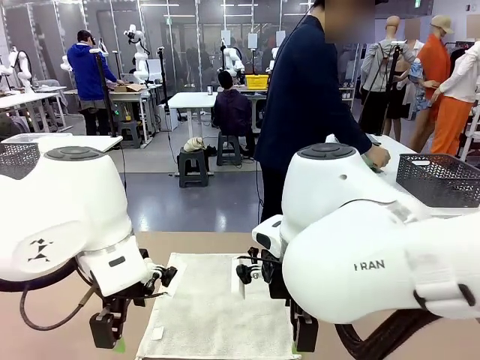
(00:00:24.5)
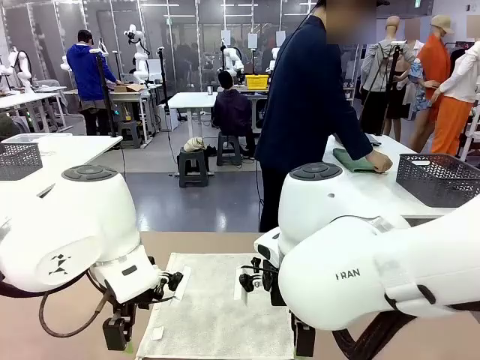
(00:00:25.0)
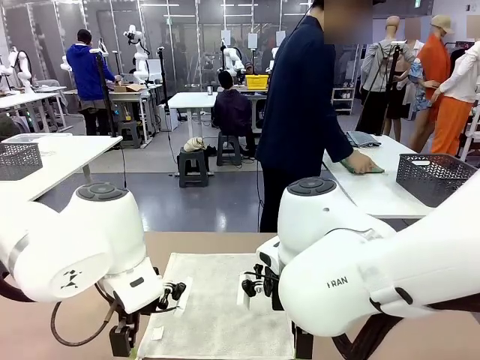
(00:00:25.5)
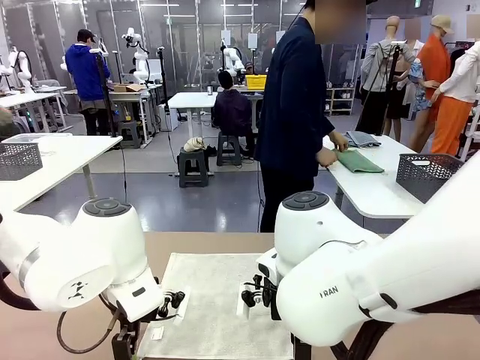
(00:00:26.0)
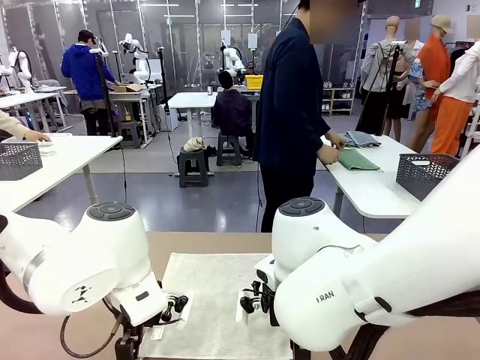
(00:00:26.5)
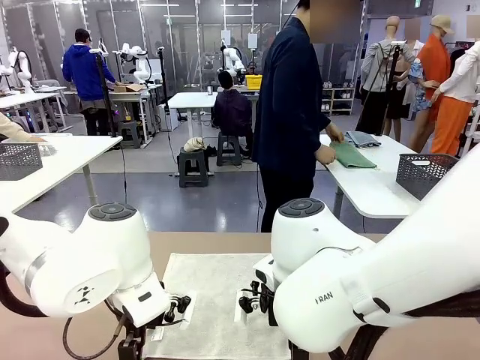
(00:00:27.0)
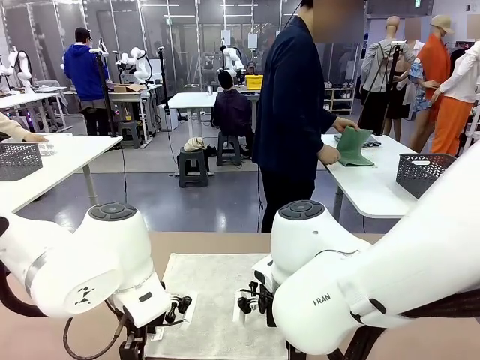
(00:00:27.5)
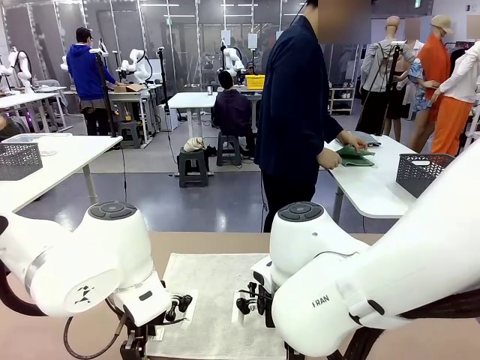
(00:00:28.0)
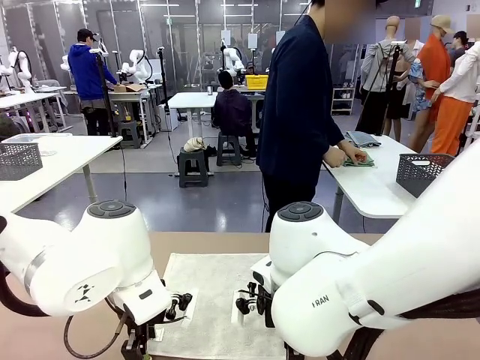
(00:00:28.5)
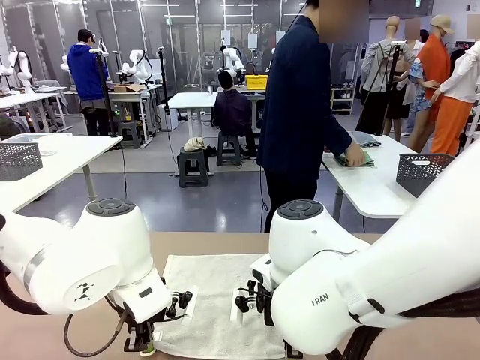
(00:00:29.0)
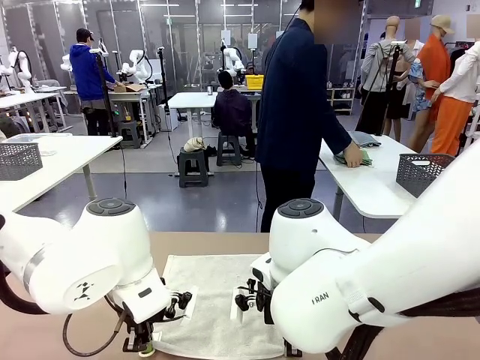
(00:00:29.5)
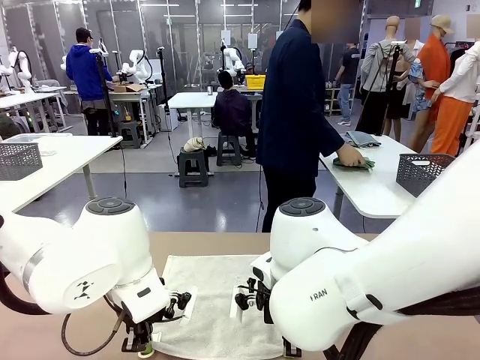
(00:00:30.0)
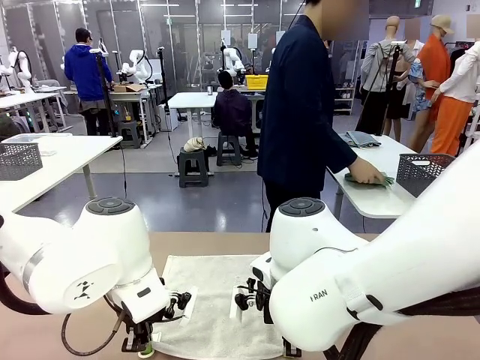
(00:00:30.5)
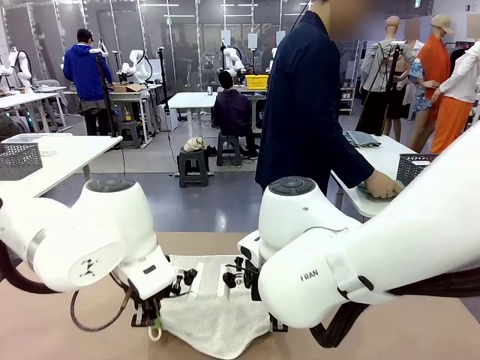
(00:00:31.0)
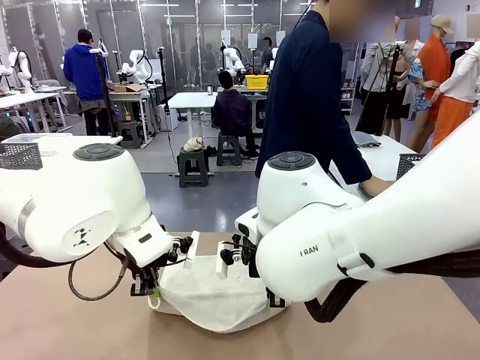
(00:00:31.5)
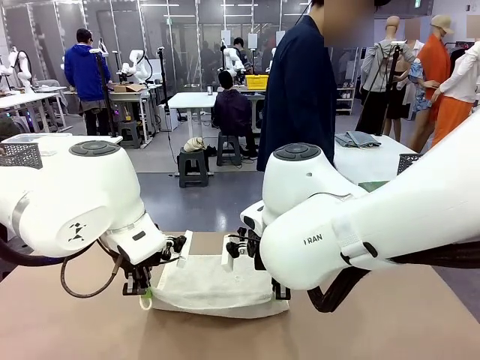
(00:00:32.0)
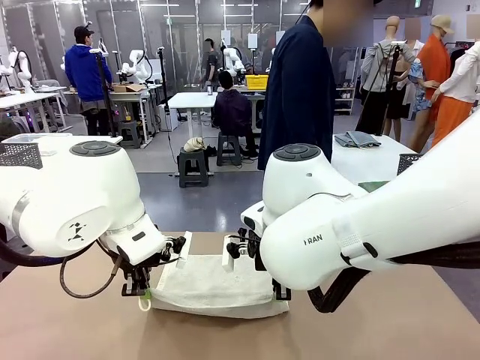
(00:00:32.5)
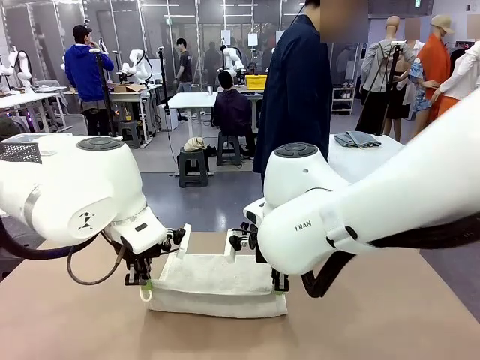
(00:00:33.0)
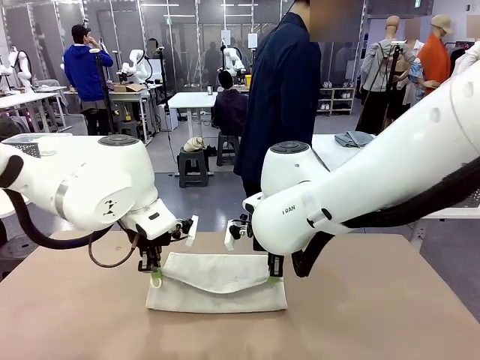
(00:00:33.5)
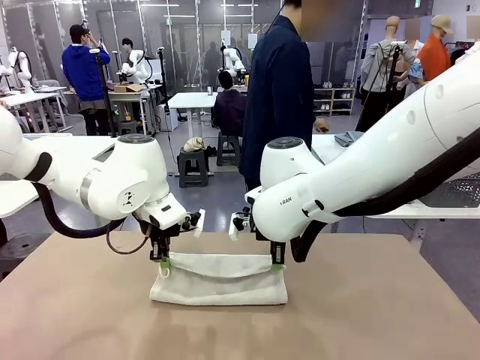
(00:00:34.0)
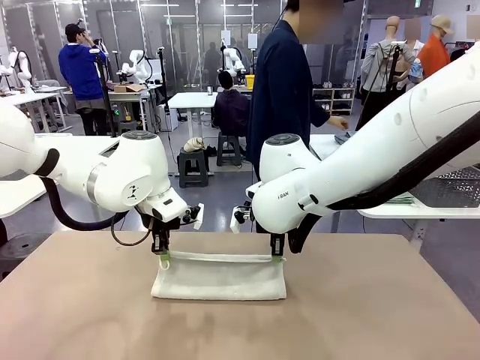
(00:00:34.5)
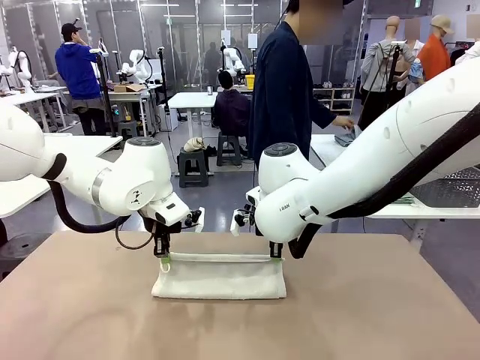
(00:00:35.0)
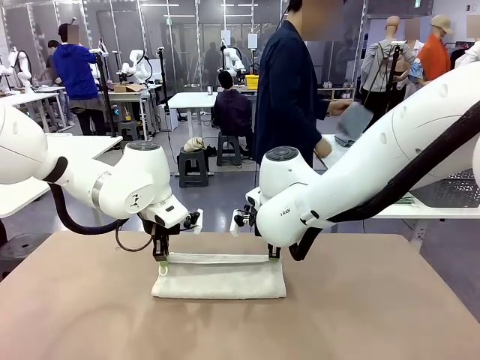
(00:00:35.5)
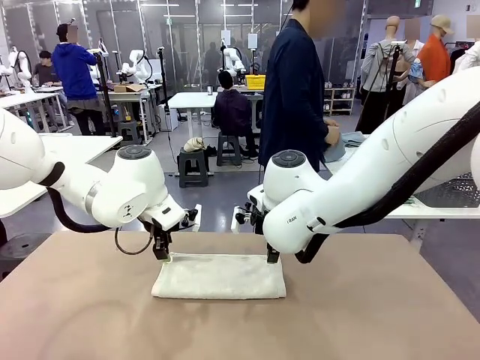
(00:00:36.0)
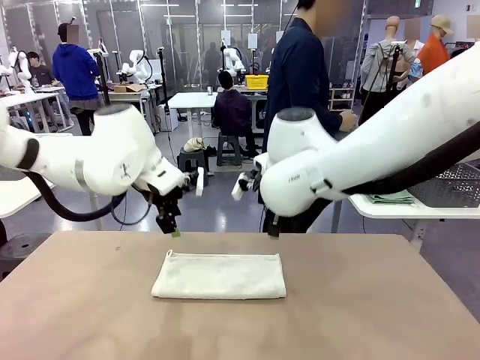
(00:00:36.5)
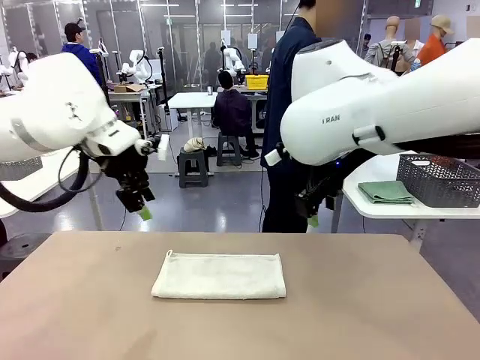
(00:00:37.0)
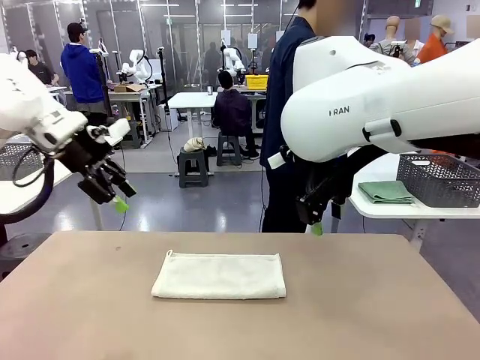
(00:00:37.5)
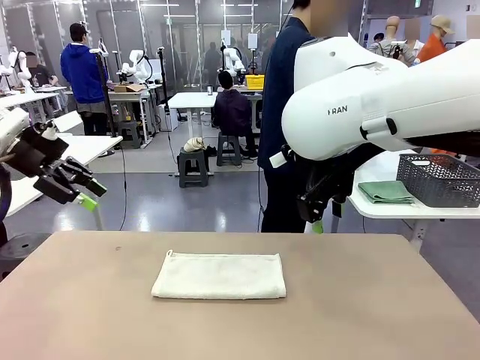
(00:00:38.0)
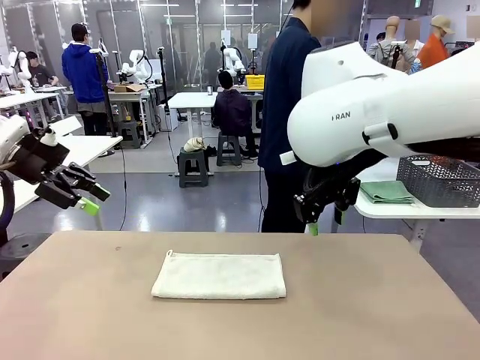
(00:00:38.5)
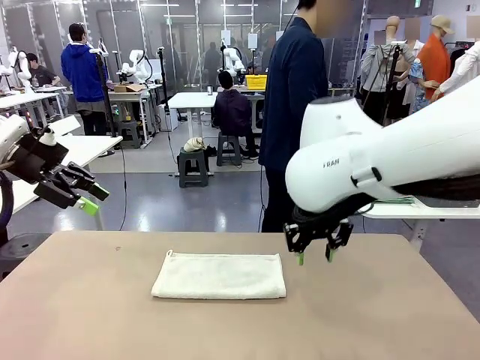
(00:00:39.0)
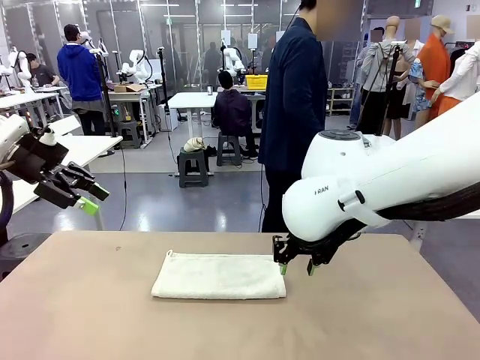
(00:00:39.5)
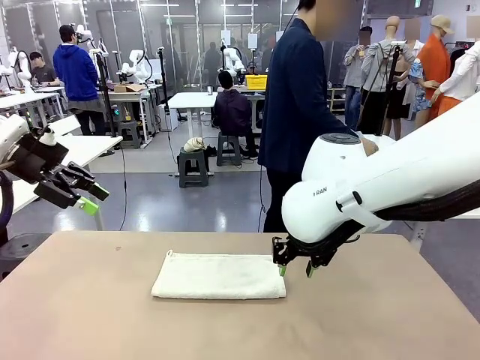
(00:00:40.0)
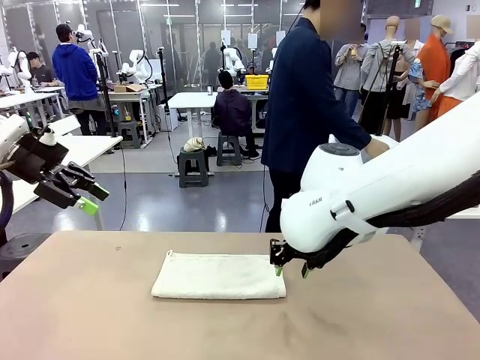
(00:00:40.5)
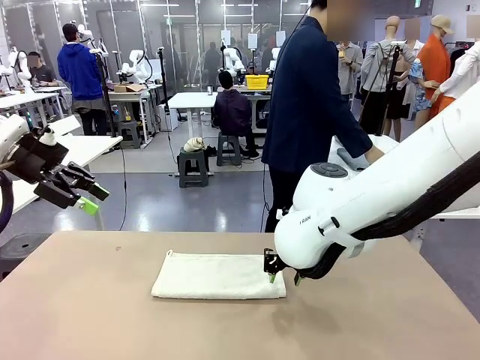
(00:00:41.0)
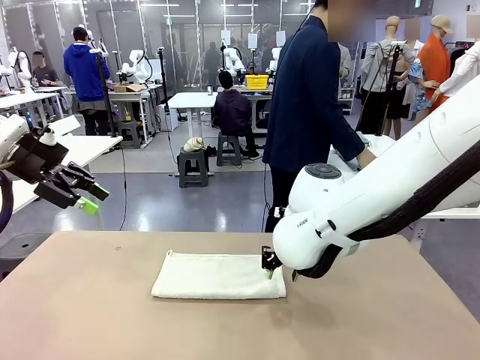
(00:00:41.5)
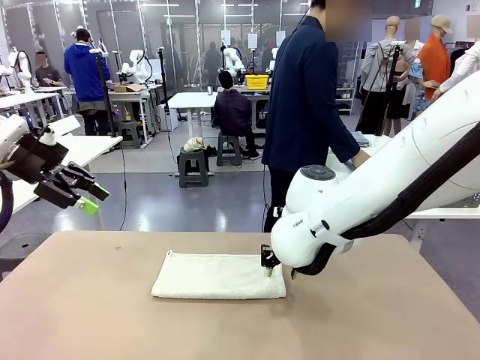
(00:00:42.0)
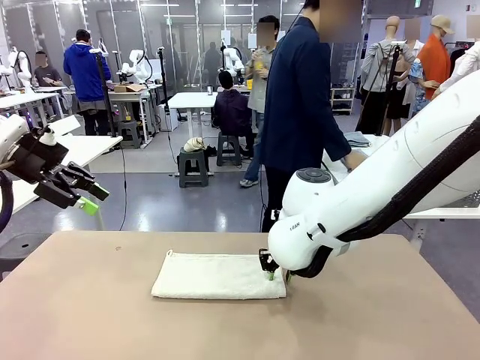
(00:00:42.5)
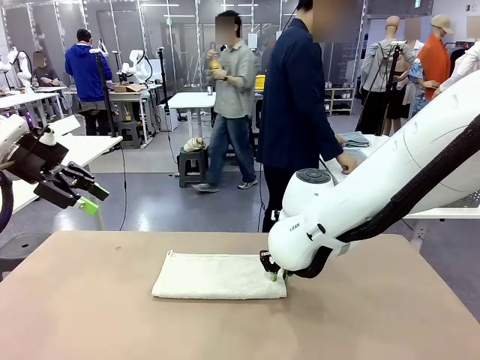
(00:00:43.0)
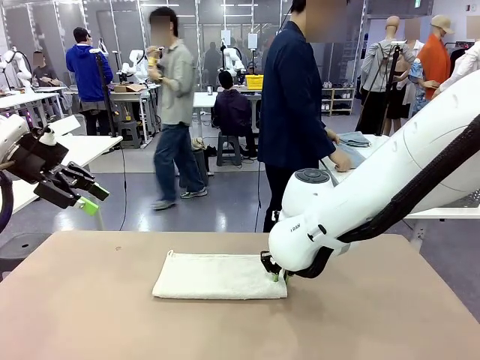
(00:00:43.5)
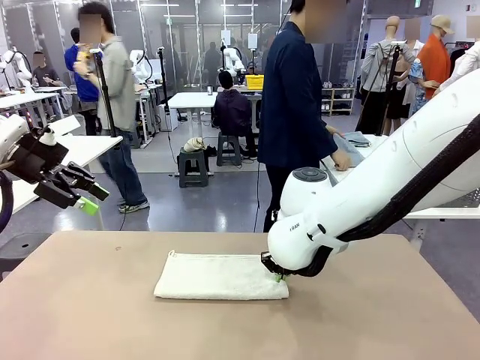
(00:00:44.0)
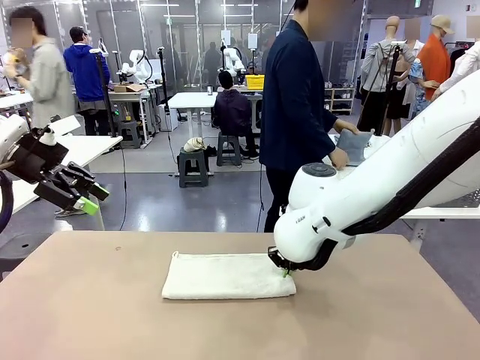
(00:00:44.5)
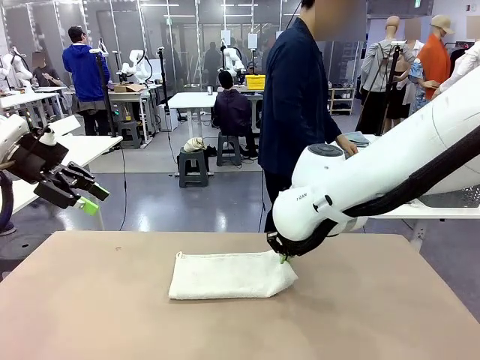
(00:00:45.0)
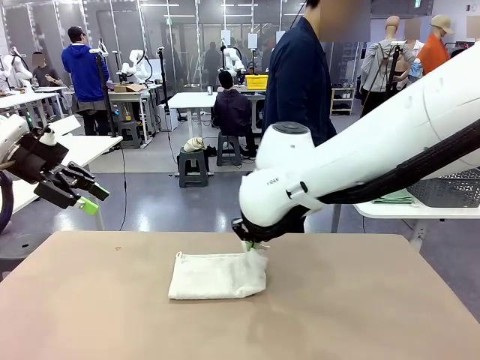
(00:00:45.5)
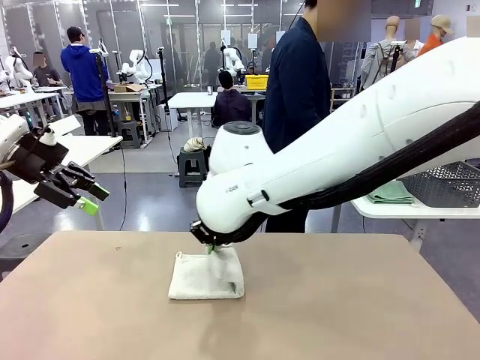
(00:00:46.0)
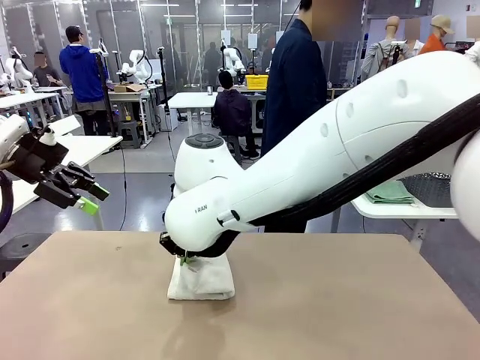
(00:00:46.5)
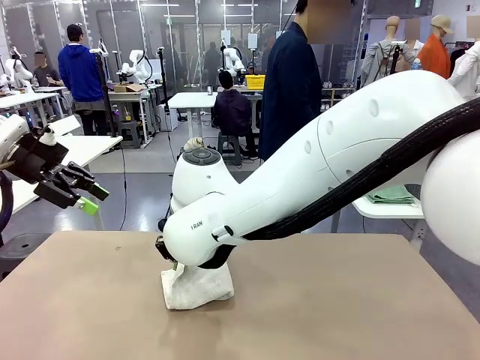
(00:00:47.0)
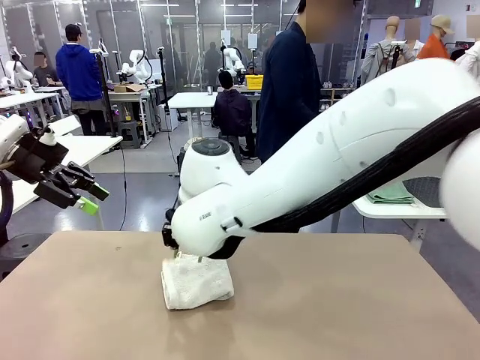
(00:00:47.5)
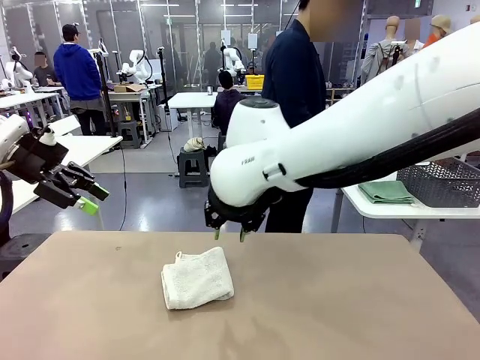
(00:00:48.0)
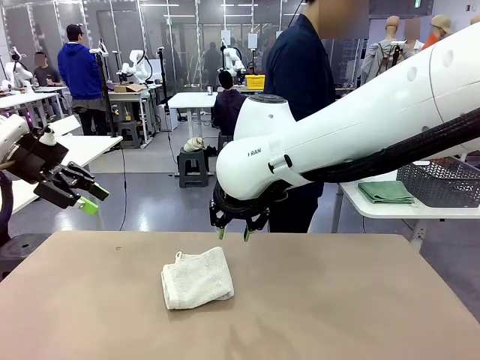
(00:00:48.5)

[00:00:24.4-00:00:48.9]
Task: Fold the towels and place them in the basket.
Robot: When a person lays out a Towel with hook on the table, fold it in half twice.
Person: Pick up one towel from the left side of the human table, fold it in half twice, and place it on the right side of the table. Pick up one towel from the left side of the human table, fold it in half twice, and stack it on the right side of the table.

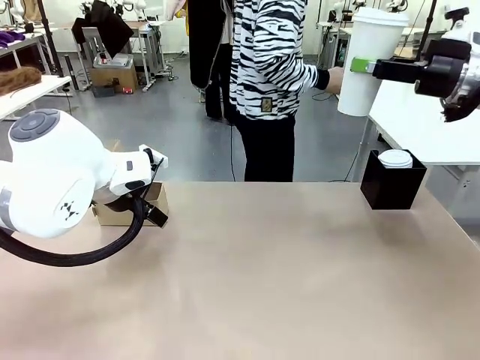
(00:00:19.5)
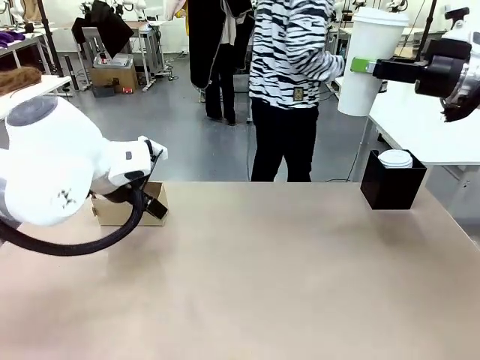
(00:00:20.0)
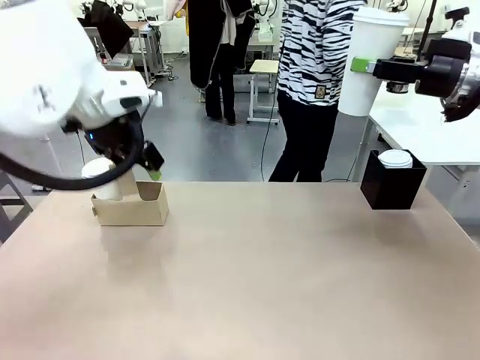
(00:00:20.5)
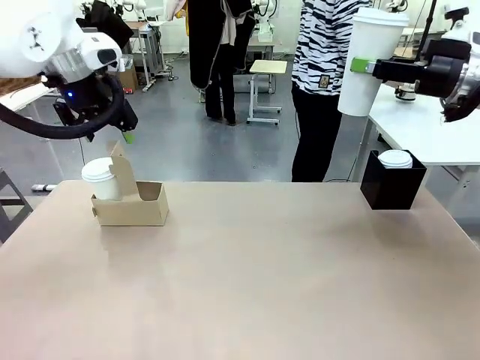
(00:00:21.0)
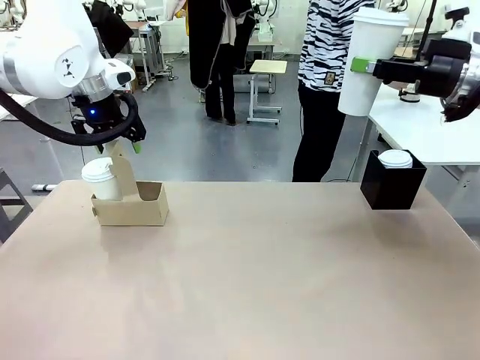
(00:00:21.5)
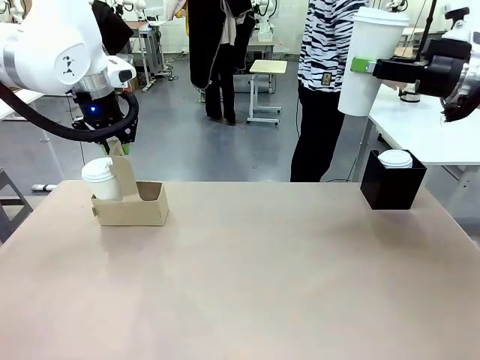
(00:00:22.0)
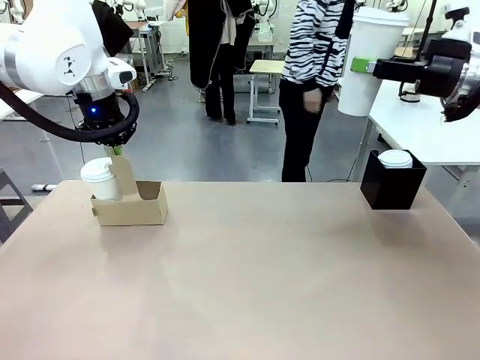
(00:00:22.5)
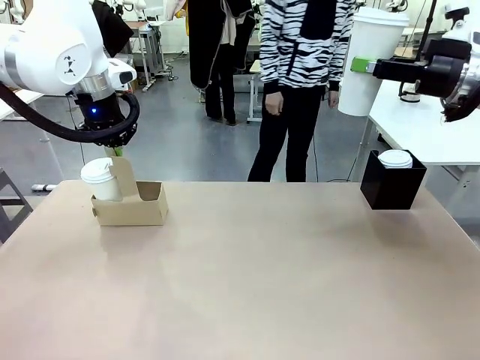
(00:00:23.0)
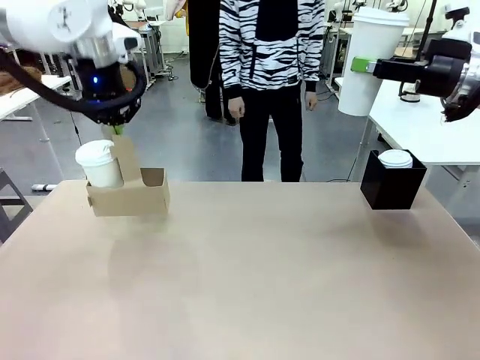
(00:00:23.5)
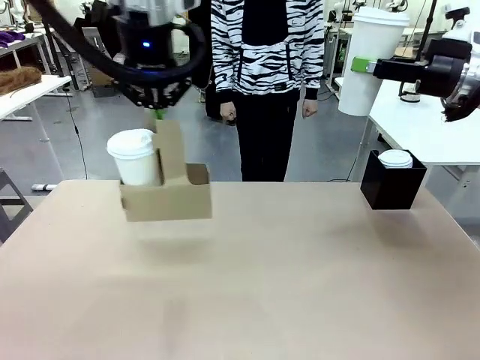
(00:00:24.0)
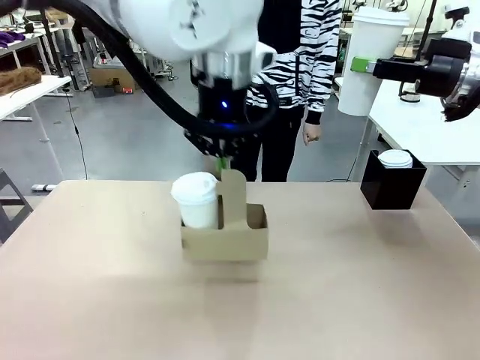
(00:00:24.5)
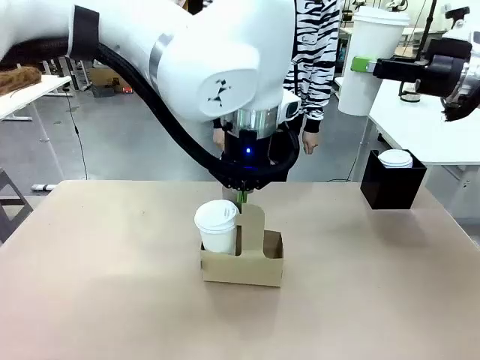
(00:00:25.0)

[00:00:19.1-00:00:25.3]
Task: Pour a drink into a cup and package it in a carrier.
Robot: Position the Cup Carrier in the center of the table.
Person: Pick up the Filter Brewing and place on the middle of Human table, and return to the Robot table.
